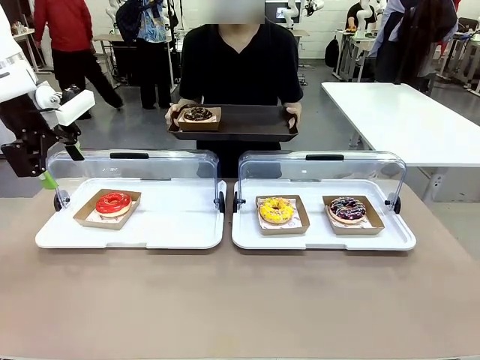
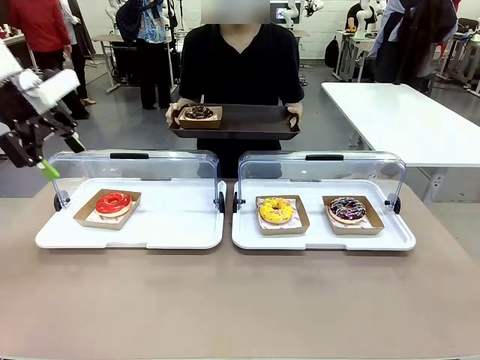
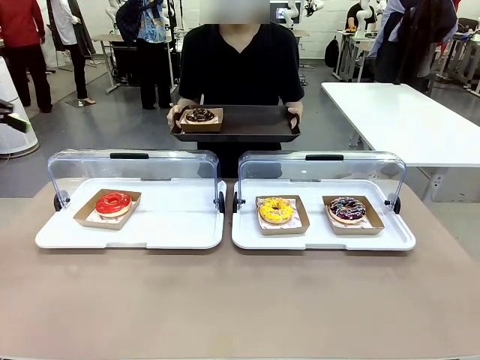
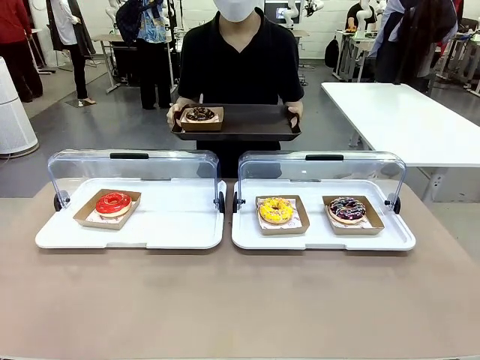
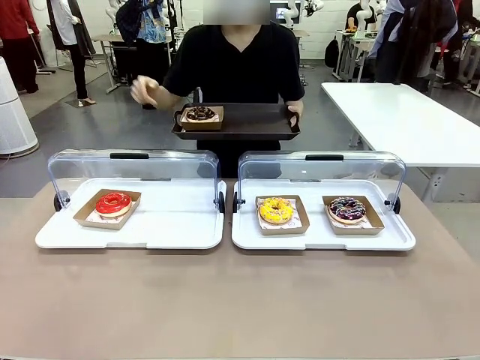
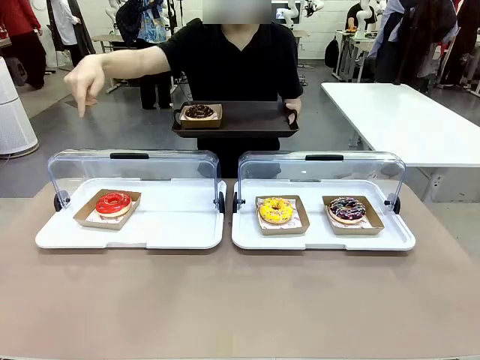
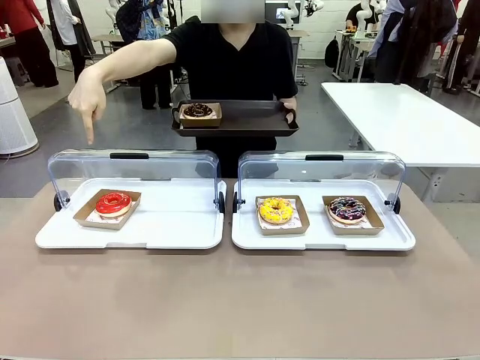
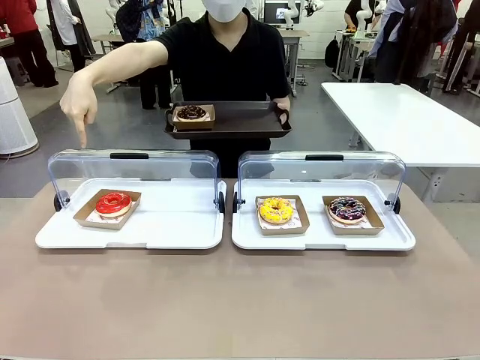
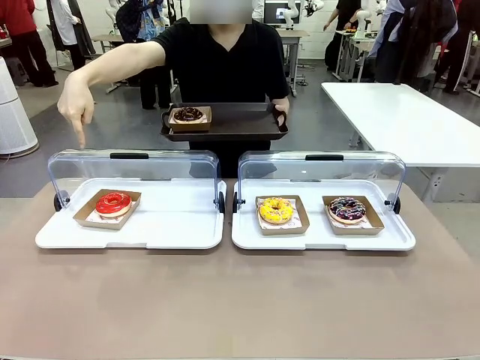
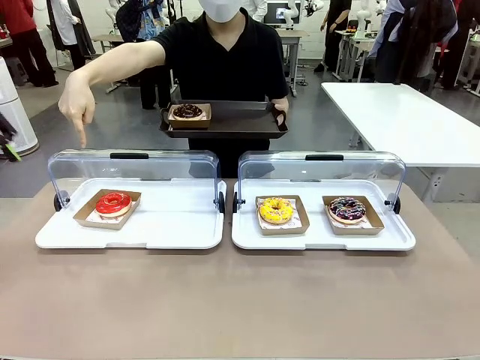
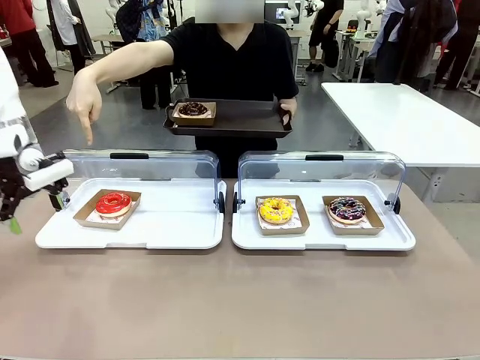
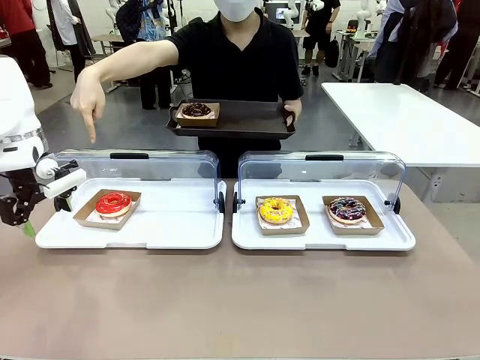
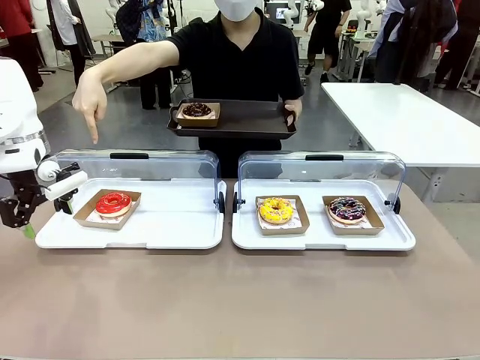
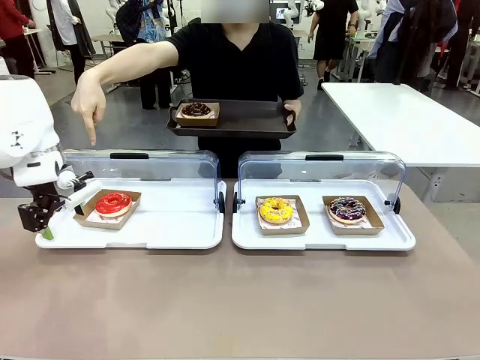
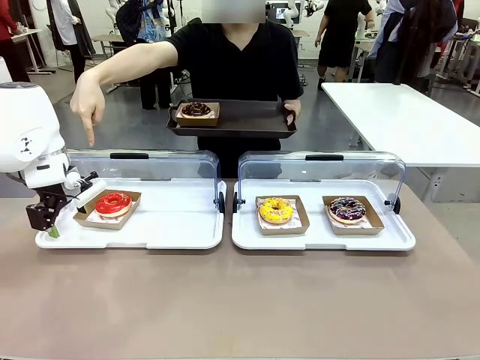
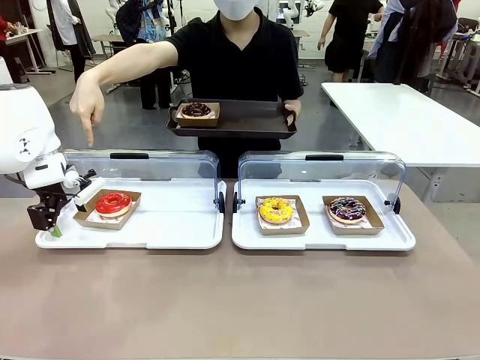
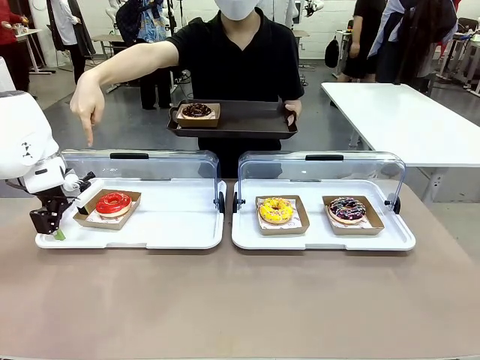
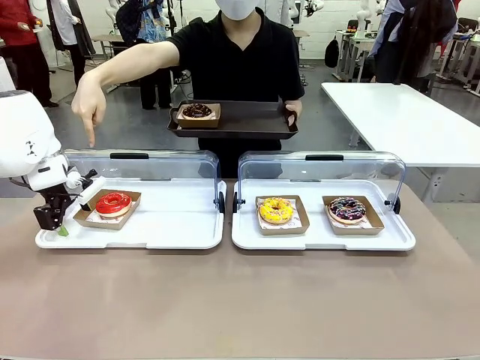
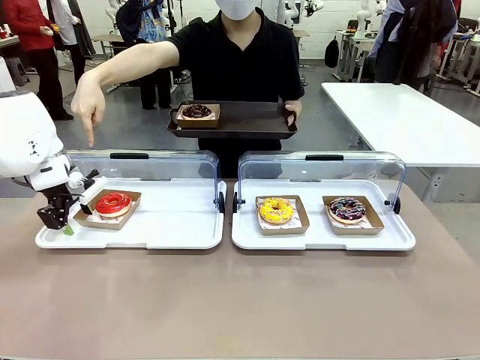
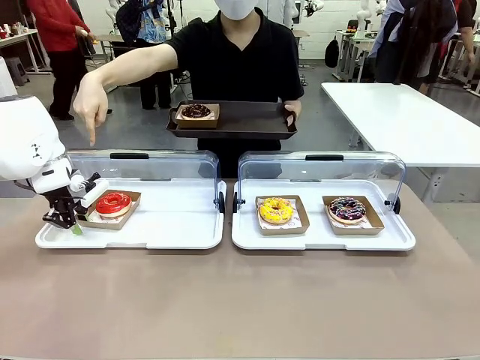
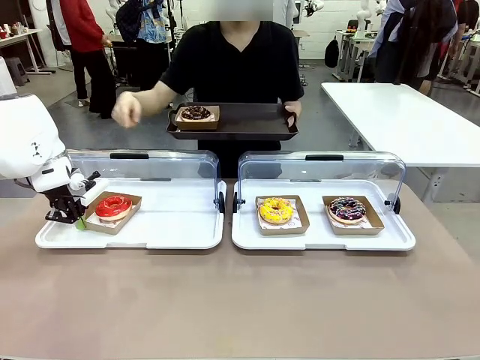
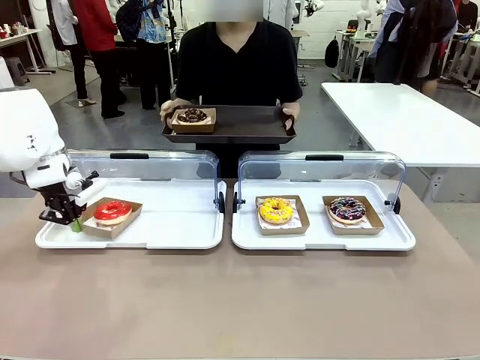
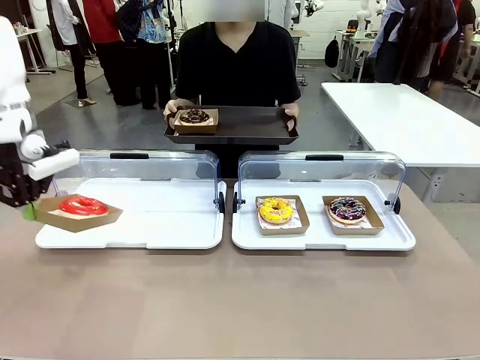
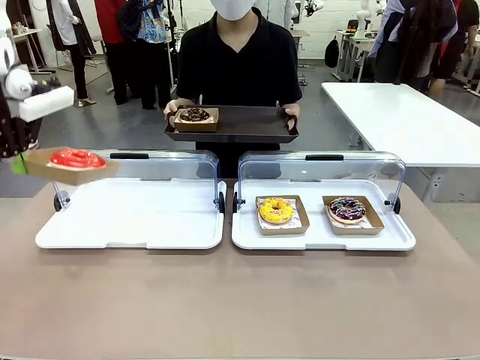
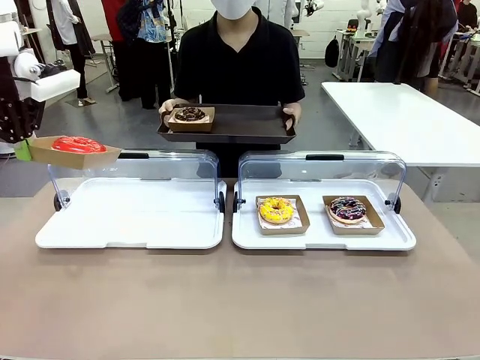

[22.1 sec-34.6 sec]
Task: Provide the desired donut to the person.
Robot: Pick up and lift the Paper togo box containing the Donut pointed at by the person.
Person: Point to one donut. Lift the tray onto the Roll-Top Bakery Case.

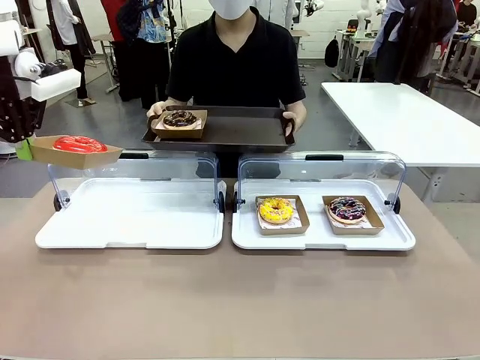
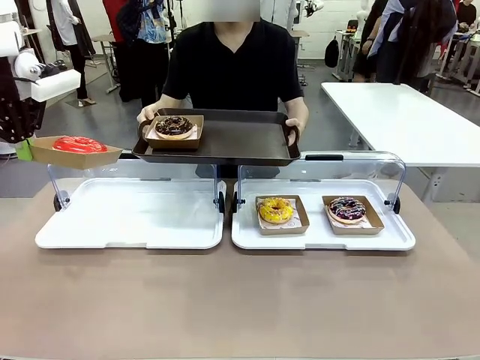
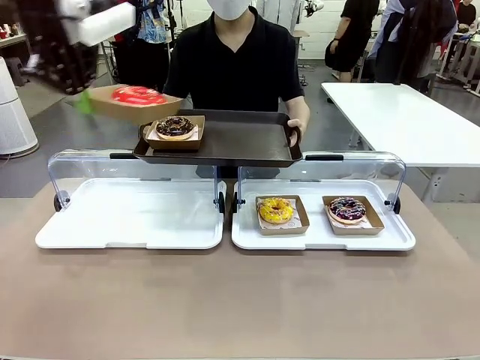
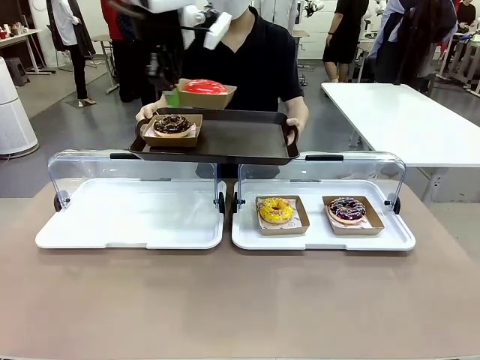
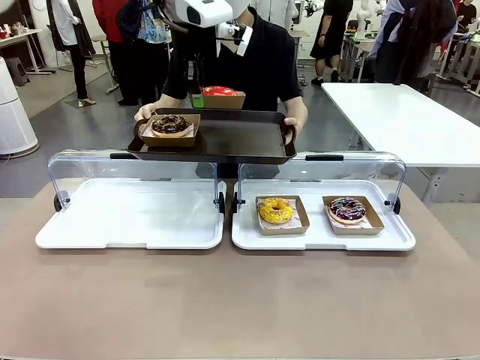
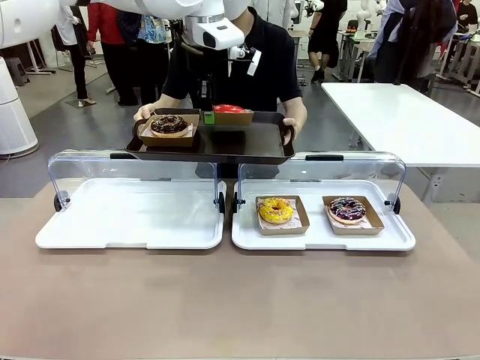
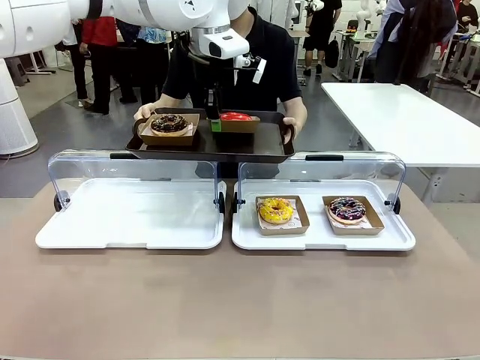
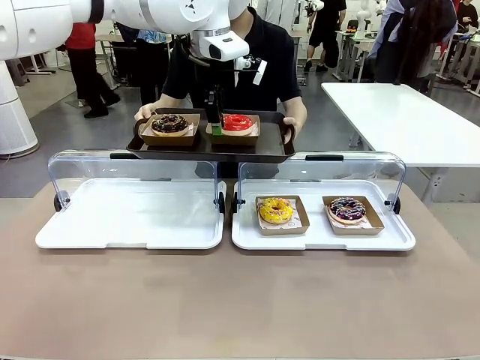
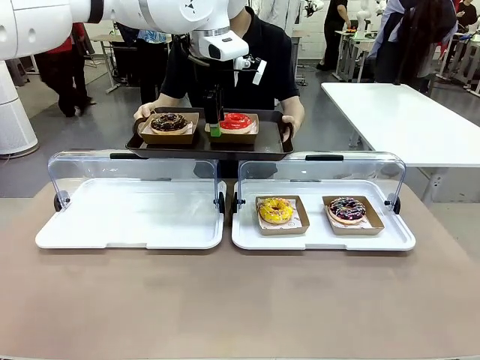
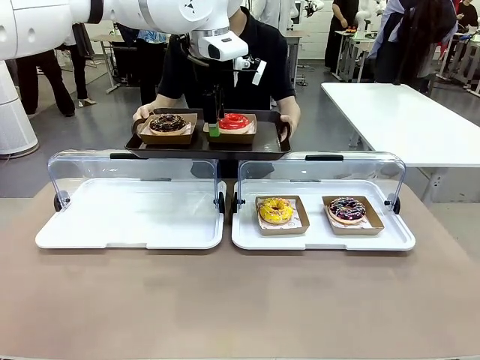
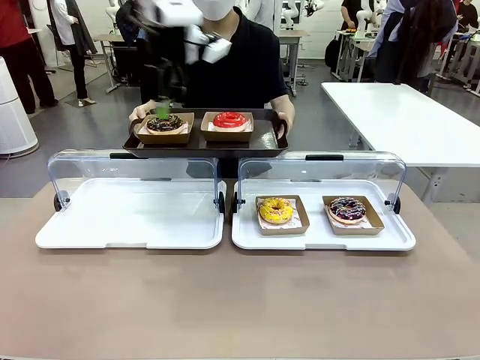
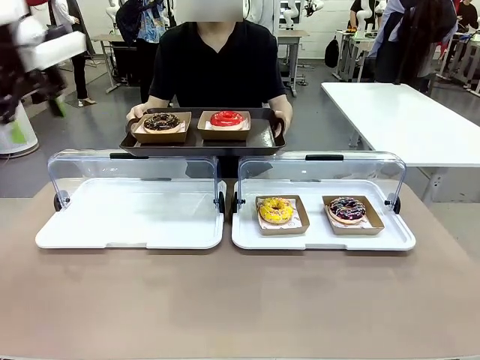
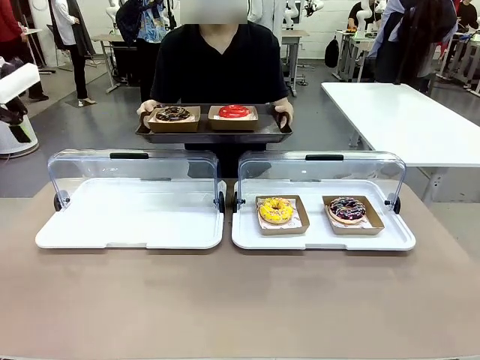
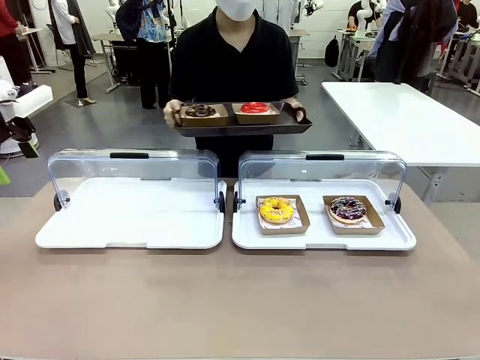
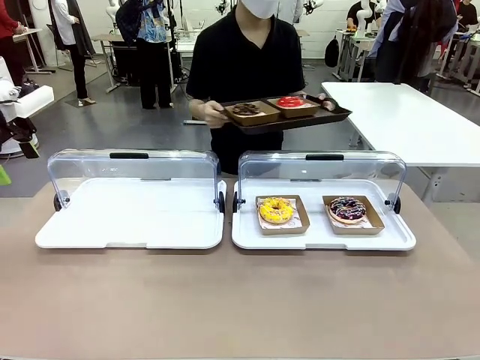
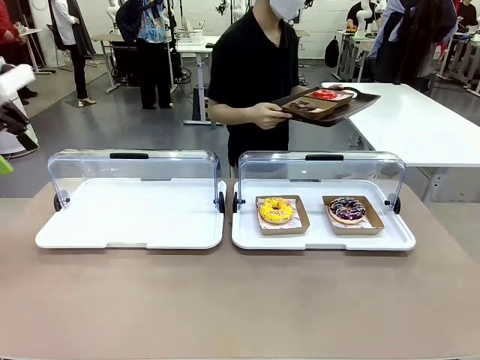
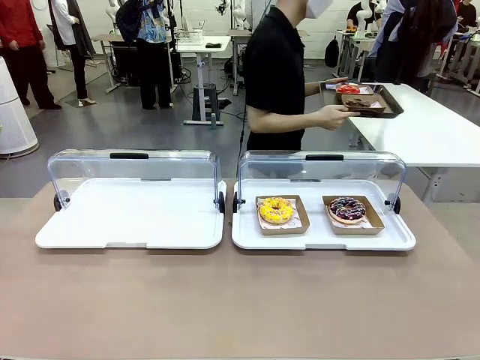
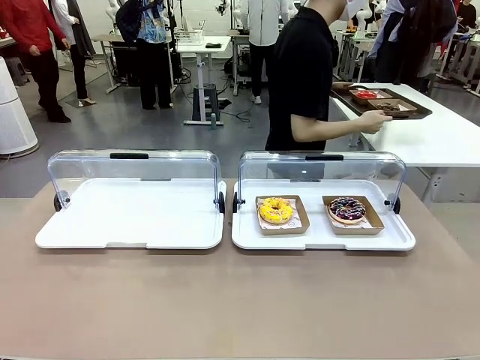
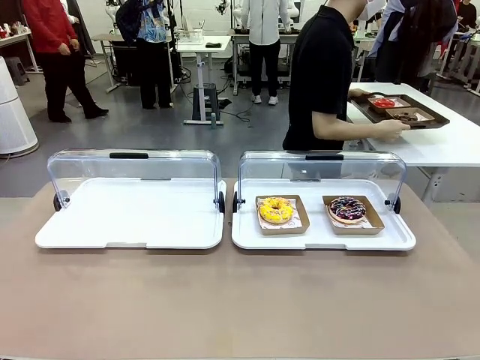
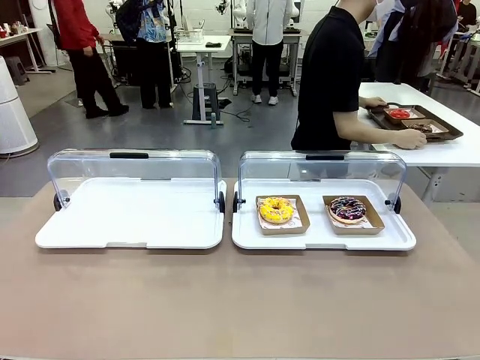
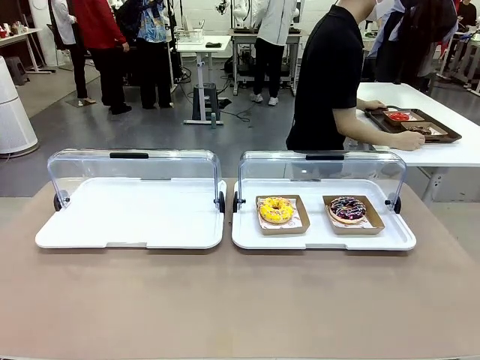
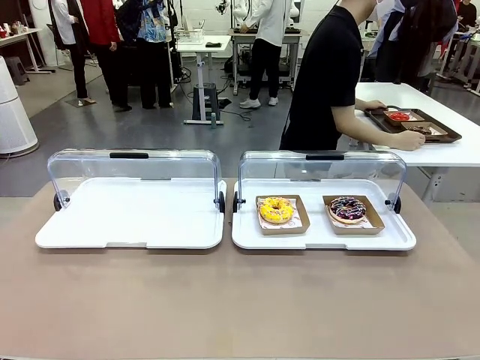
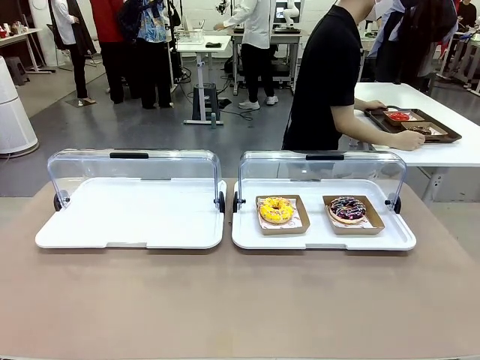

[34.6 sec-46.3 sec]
Robot: Place the picked Paper togo box onto the Handle tray extended by the person.
Person: Place the tray in the middle of the human table.
